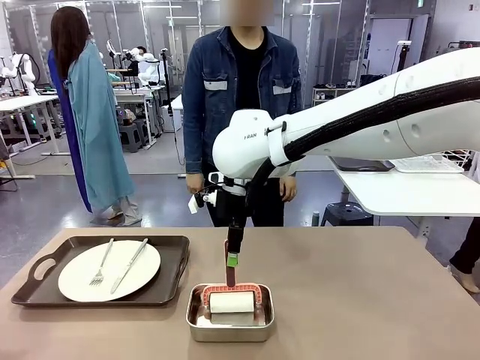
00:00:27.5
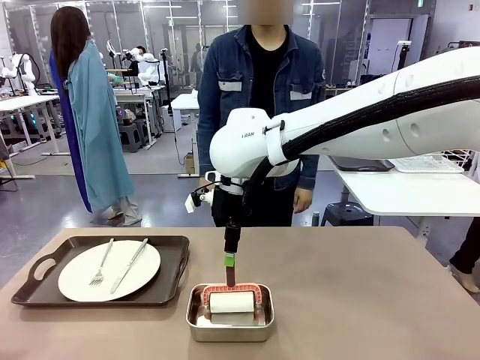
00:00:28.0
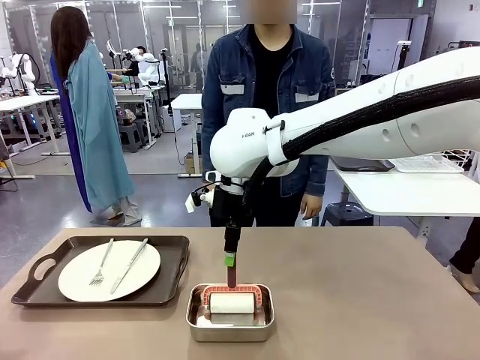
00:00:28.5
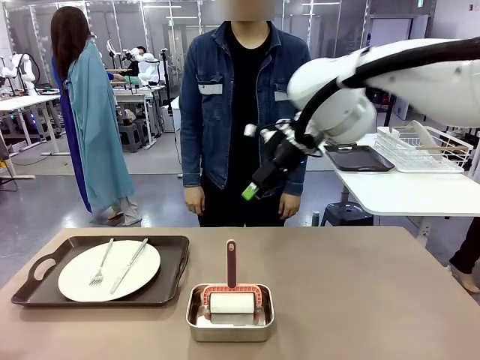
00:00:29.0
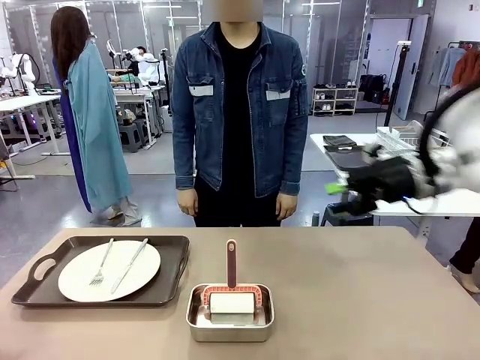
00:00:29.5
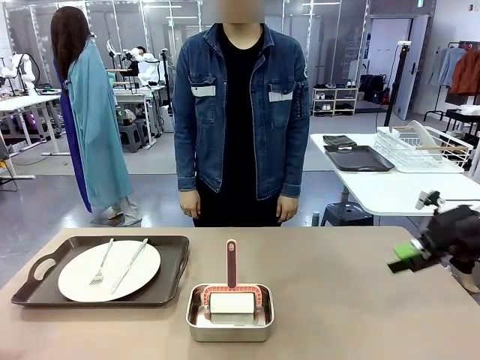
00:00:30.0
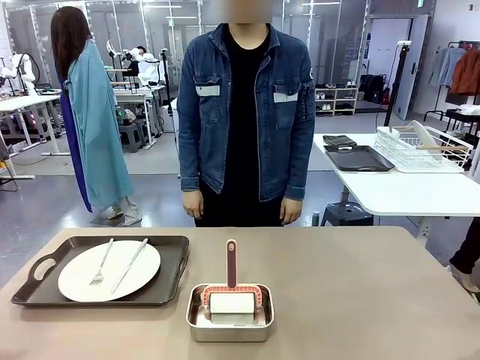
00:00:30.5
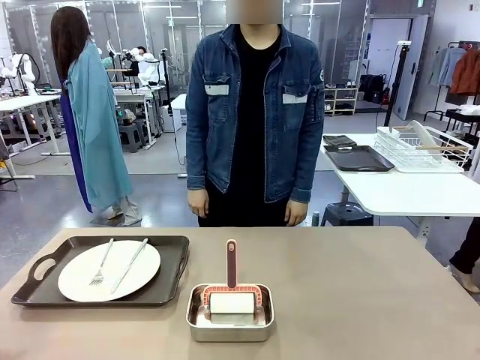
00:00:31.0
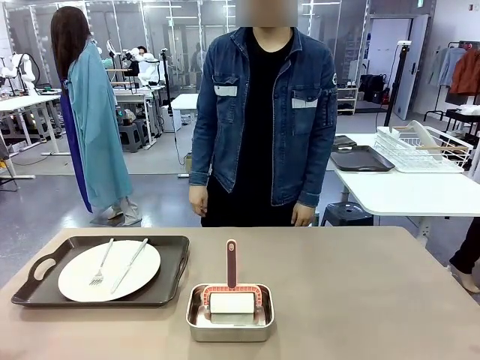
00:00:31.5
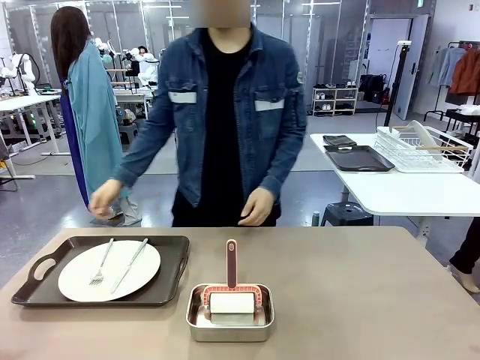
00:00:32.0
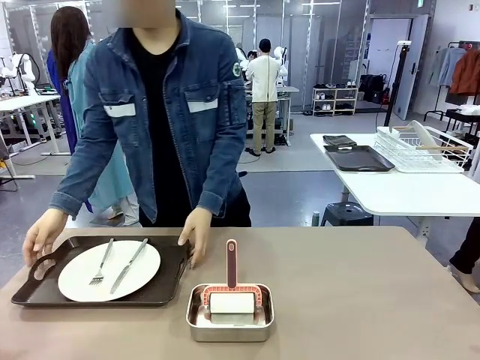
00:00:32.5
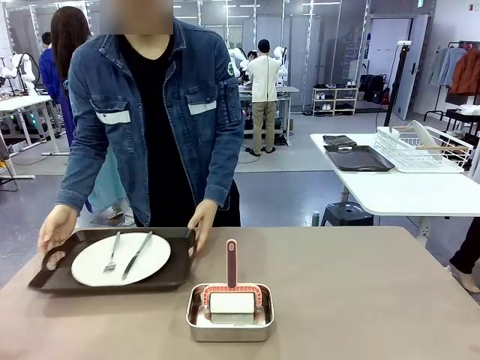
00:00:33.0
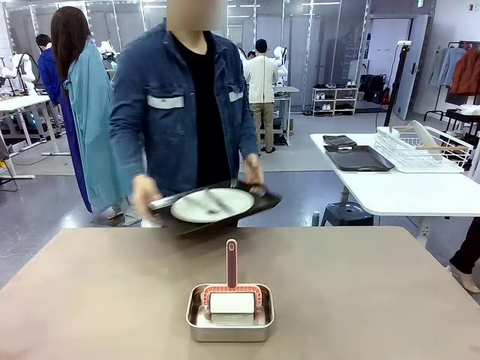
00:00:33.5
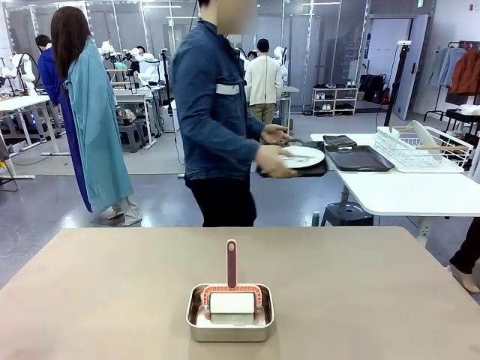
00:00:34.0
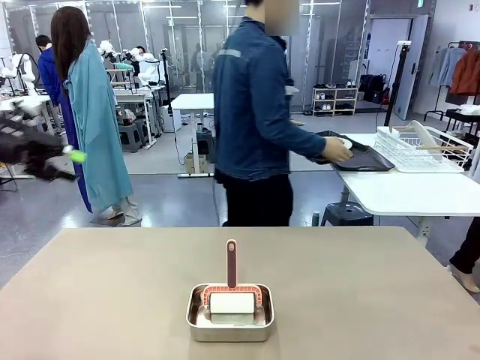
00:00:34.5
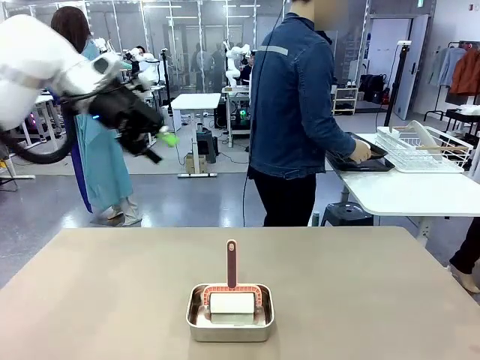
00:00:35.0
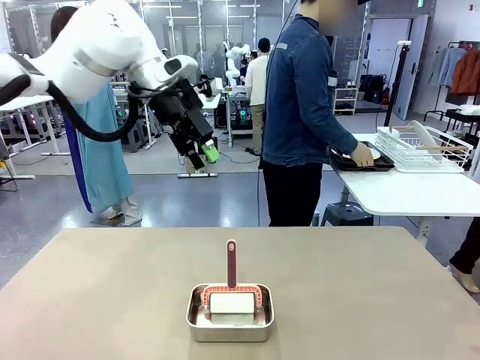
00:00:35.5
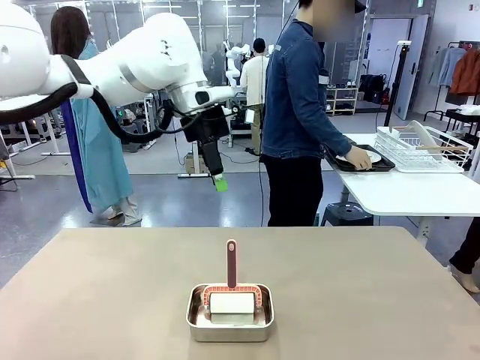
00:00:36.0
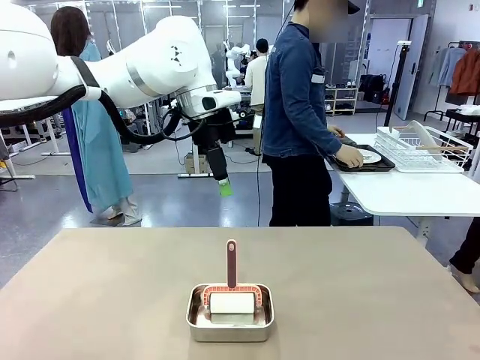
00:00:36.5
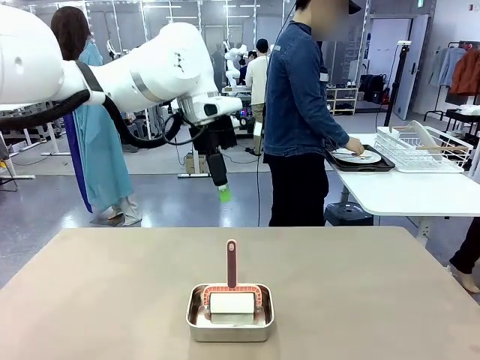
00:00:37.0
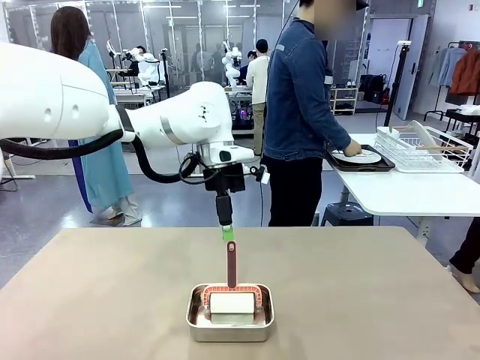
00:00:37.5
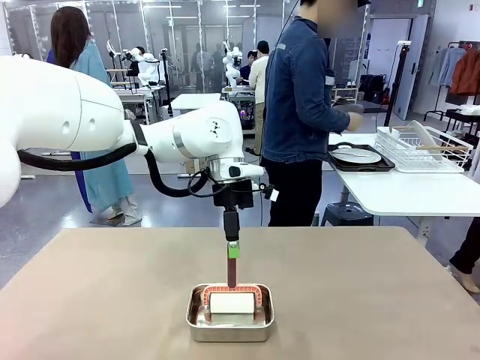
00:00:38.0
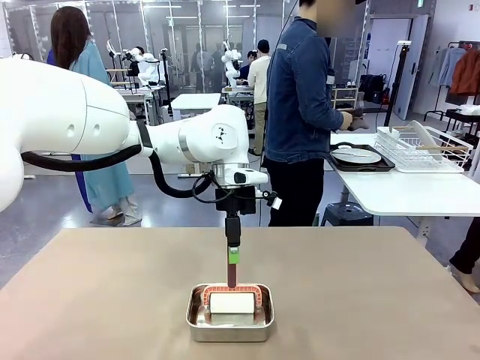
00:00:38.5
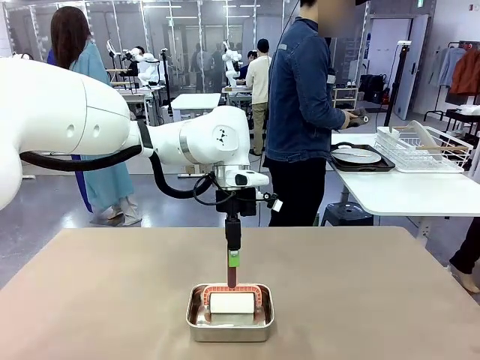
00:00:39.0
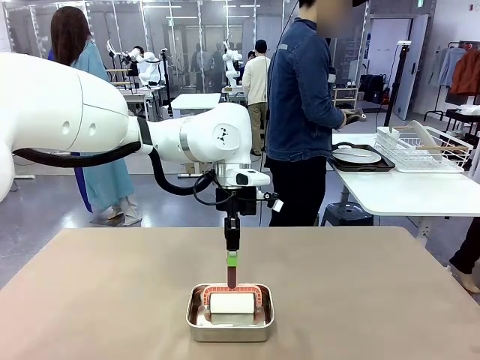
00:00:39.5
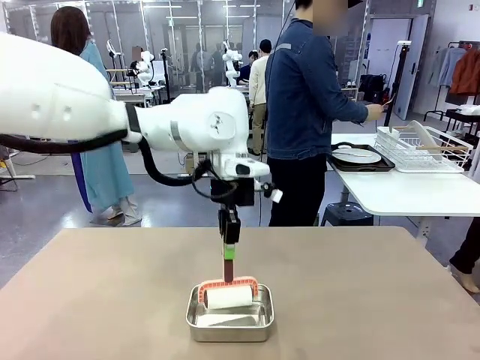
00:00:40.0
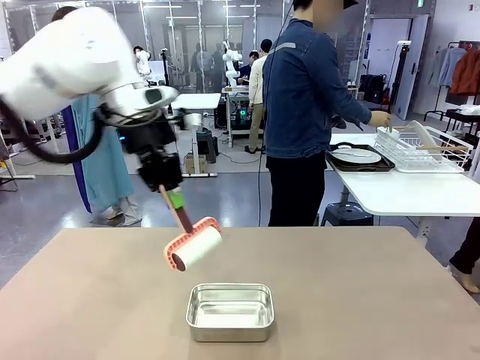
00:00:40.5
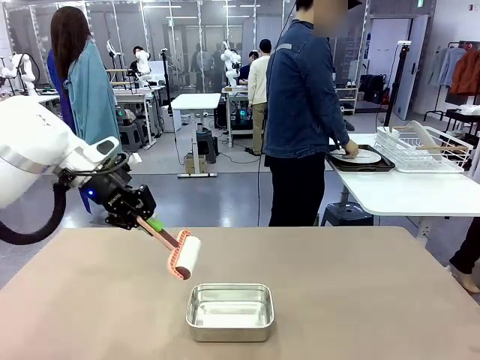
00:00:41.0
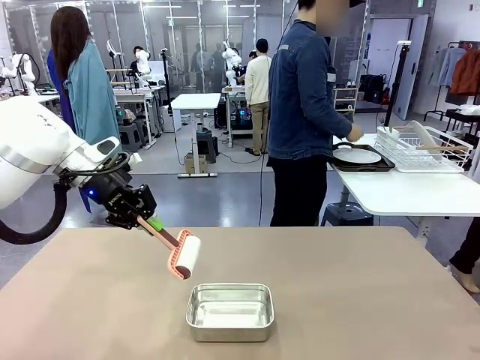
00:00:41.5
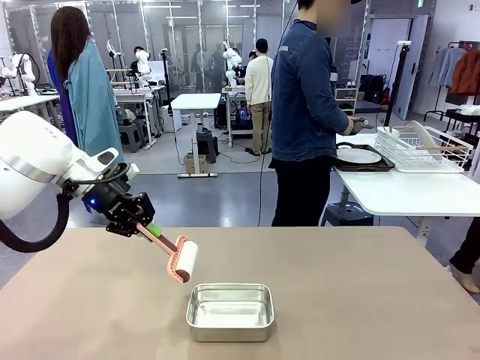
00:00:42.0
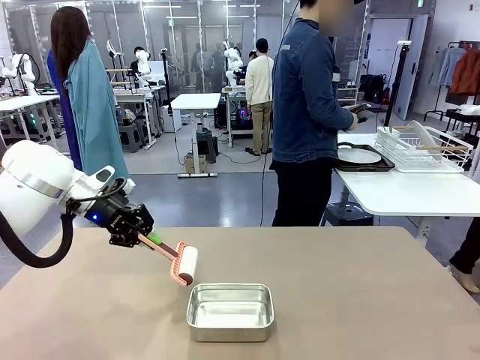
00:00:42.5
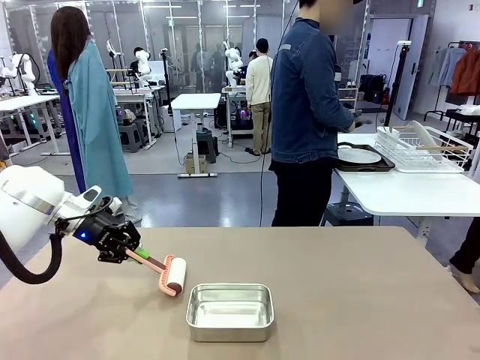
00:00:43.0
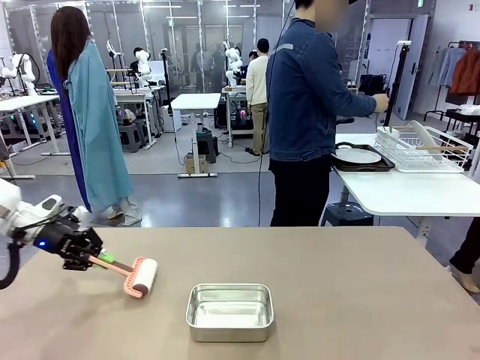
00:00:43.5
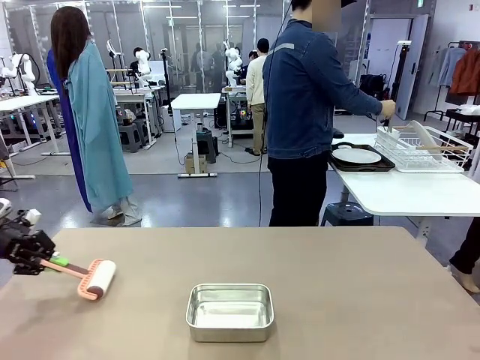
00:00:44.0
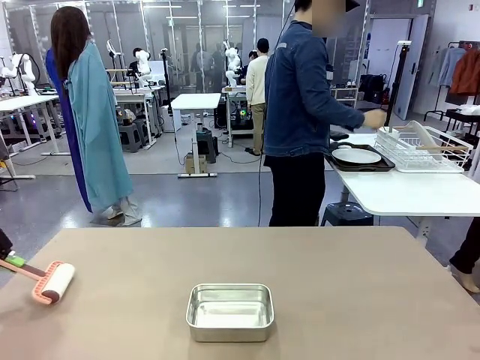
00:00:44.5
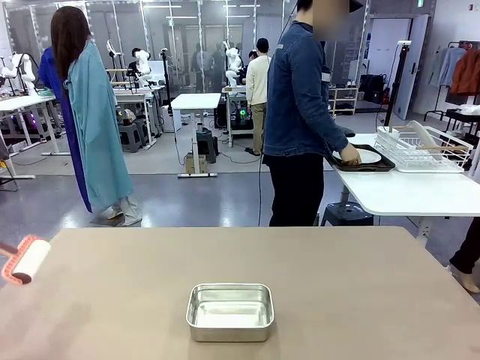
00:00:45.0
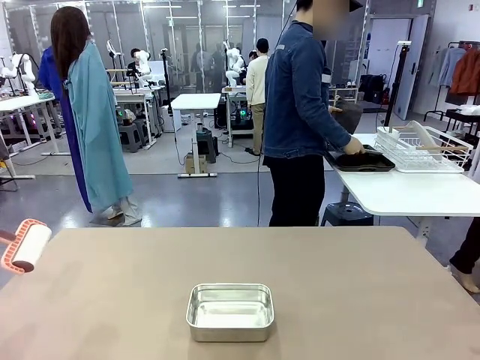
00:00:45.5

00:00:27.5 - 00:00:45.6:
Robot: When the right (or left) Handle tray is removed, use the right hand (or left hand) to clean the right (or left) side of the table with the Lint Roller.
Person: Pick up the left (or right) Handle tray and place it on the Handle tray.

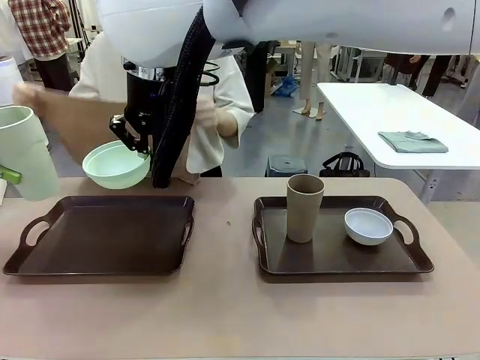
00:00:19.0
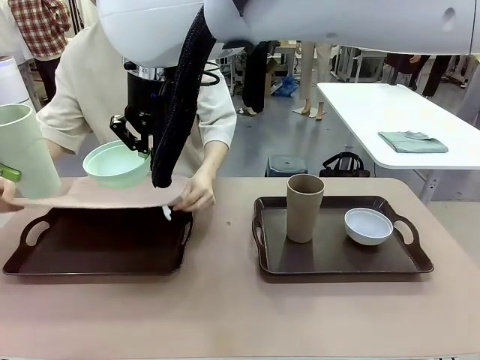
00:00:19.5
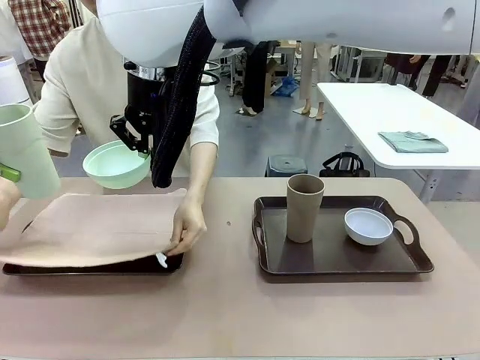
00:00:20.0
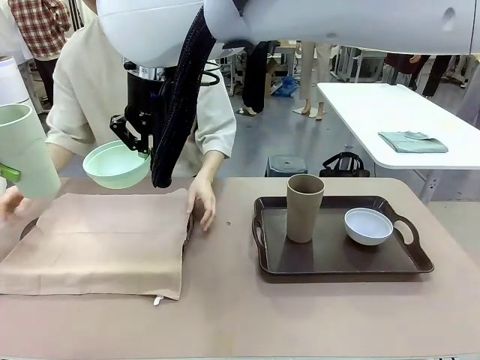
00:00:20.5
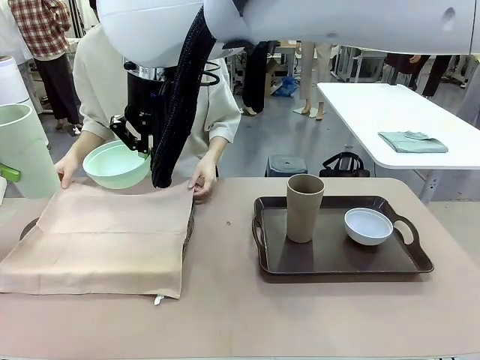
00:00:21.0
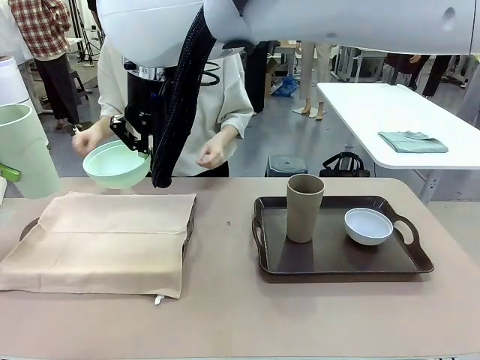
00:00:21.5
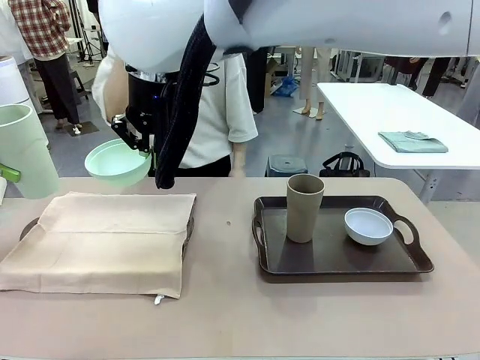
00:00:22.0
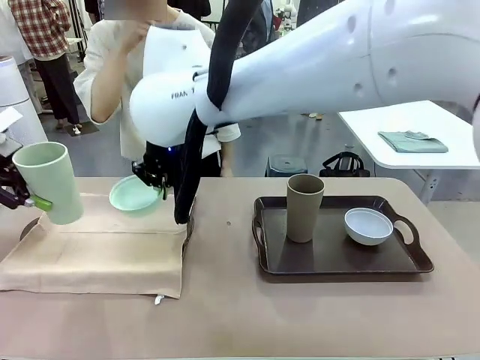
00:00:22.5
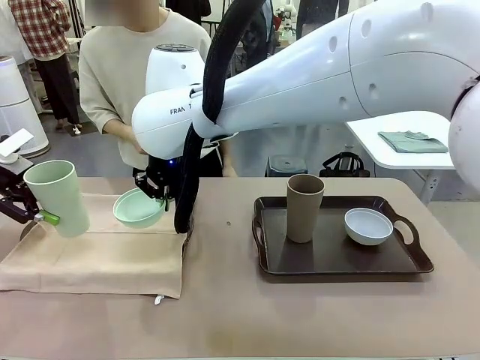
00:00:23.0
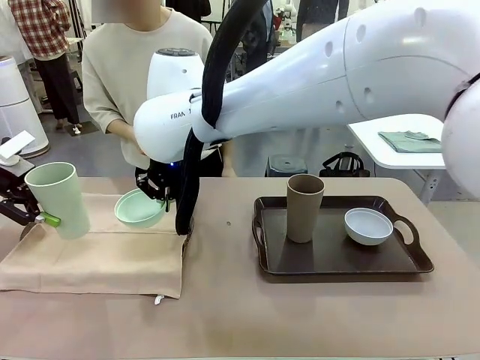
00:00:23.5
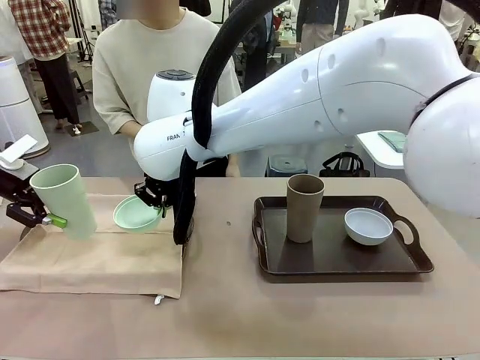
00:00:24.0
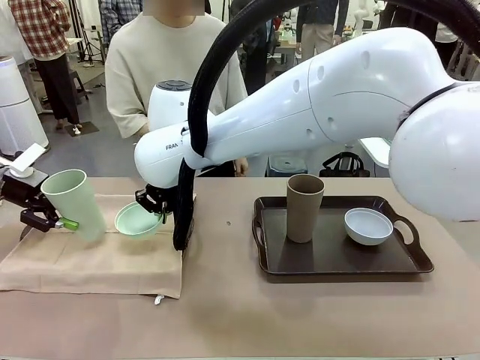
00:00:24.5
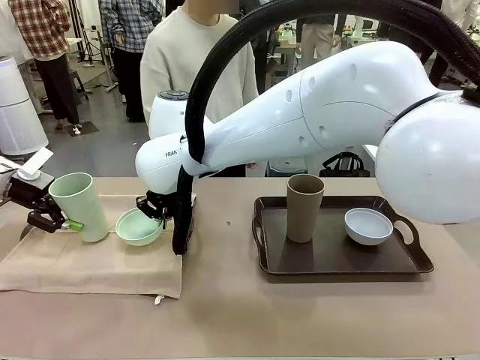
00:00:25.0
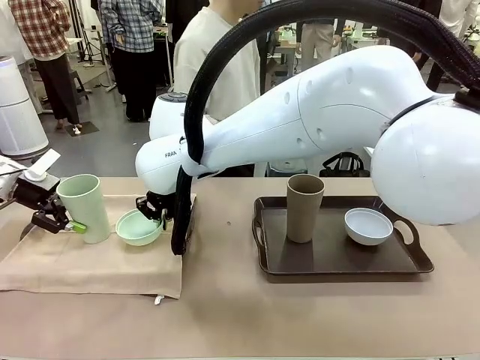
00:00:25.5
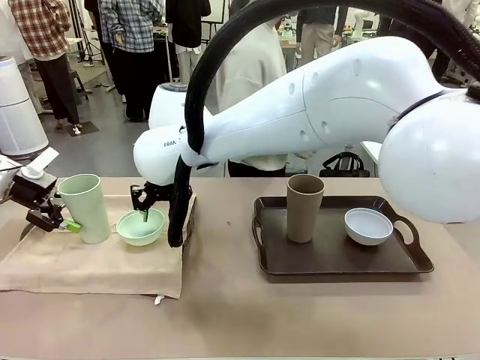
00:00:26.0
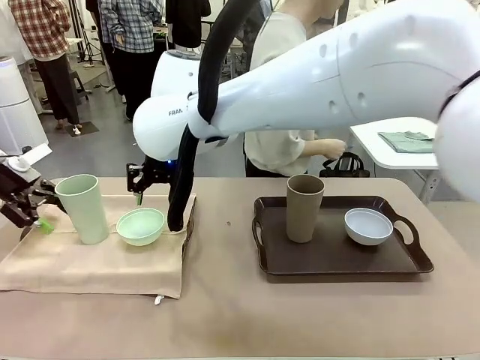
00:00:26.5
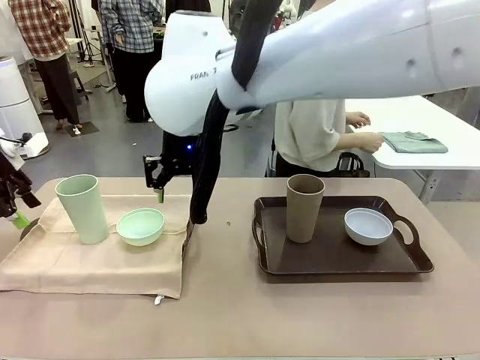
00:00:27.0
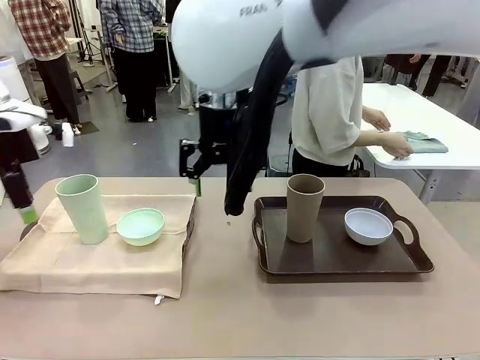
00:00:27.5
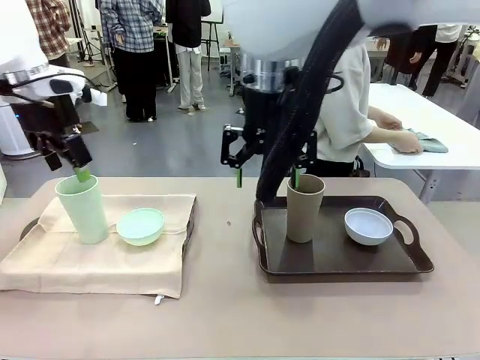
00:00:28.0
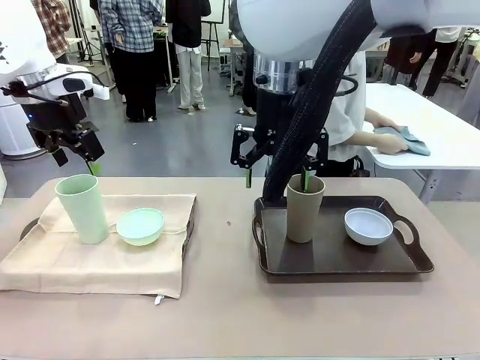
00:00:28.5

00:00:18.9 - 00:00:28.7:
Robot: Place the Picnic Bowl and Reusable plastic cup back onto the Handle tray in front of the human's position.
Person: The human returns to the human table to pick up another napkin and walks to the robot table to stand in front of the tray without a napkin.
